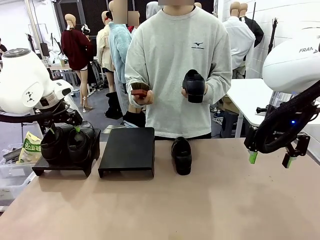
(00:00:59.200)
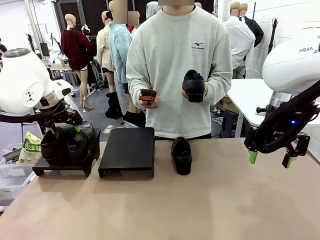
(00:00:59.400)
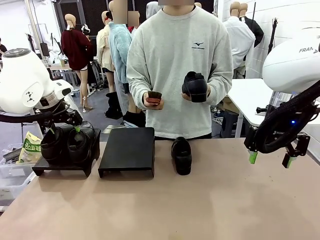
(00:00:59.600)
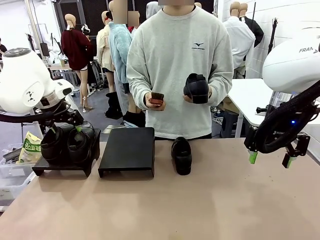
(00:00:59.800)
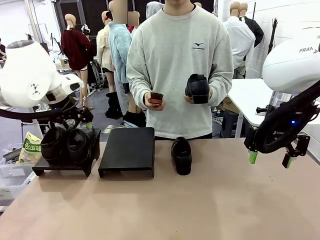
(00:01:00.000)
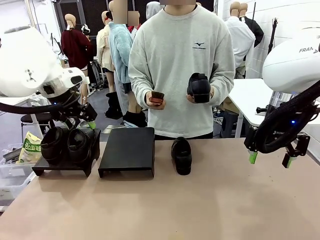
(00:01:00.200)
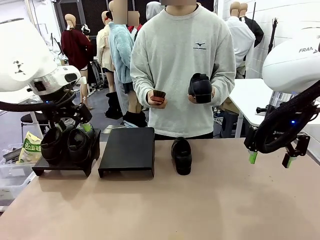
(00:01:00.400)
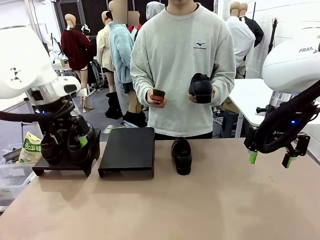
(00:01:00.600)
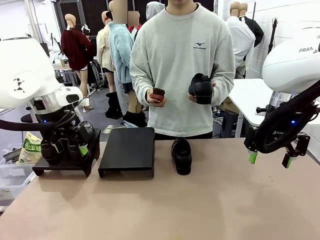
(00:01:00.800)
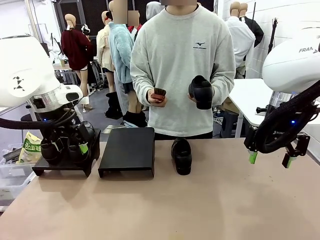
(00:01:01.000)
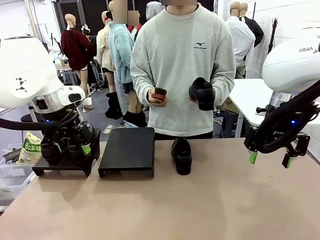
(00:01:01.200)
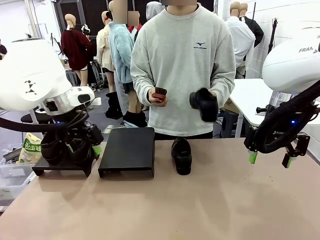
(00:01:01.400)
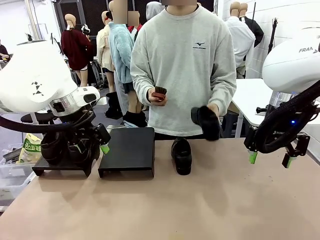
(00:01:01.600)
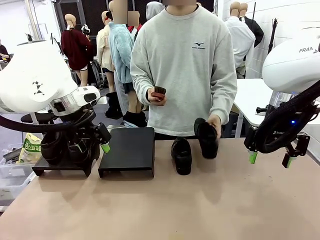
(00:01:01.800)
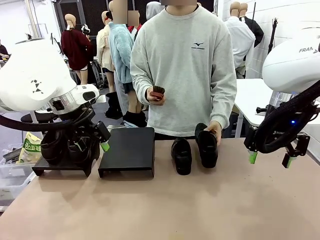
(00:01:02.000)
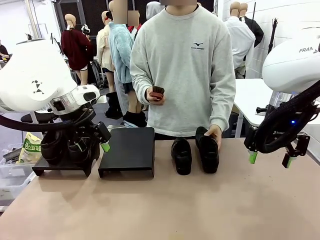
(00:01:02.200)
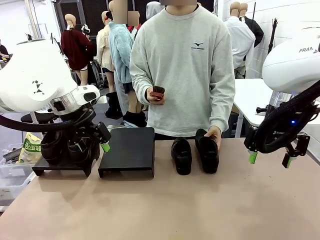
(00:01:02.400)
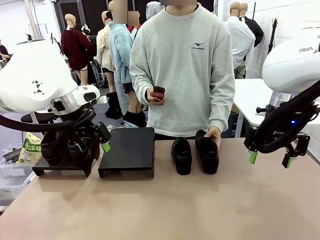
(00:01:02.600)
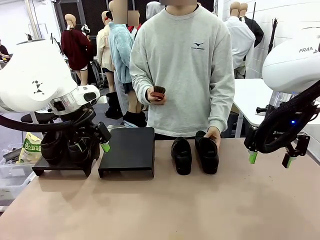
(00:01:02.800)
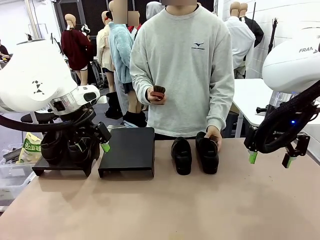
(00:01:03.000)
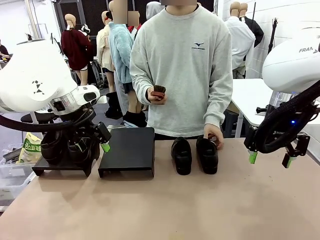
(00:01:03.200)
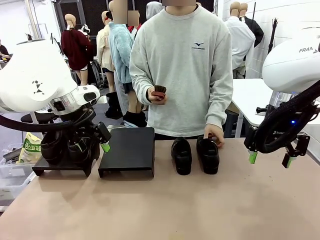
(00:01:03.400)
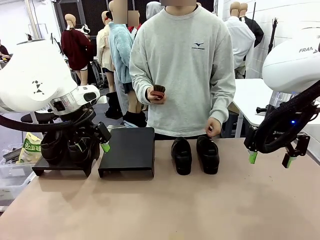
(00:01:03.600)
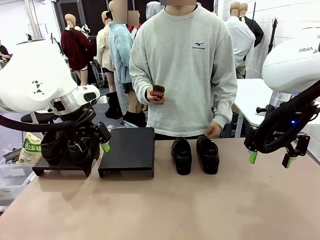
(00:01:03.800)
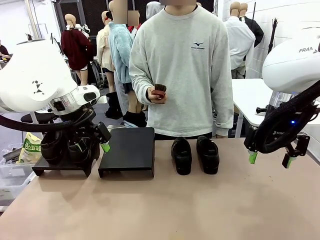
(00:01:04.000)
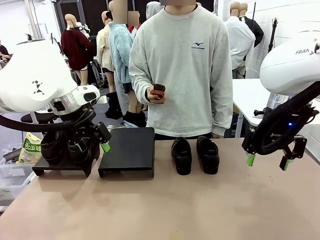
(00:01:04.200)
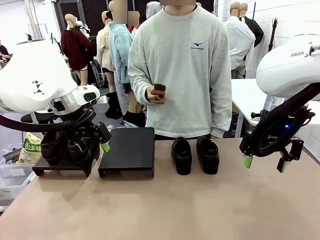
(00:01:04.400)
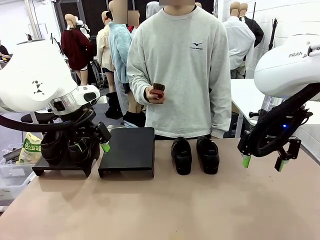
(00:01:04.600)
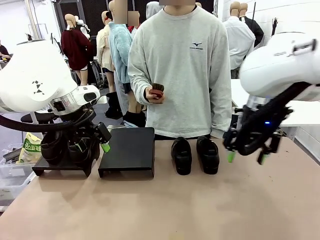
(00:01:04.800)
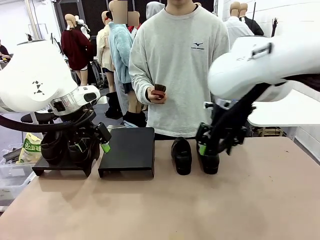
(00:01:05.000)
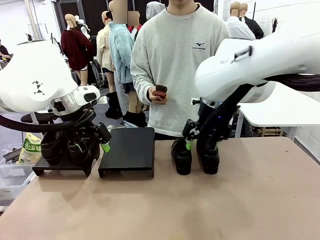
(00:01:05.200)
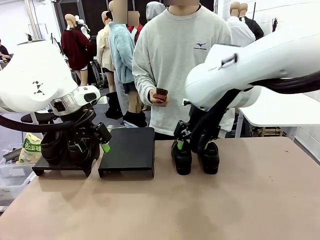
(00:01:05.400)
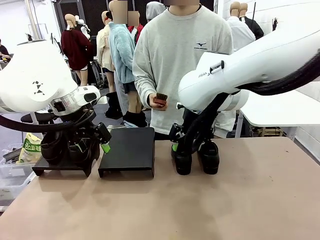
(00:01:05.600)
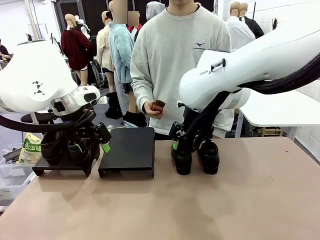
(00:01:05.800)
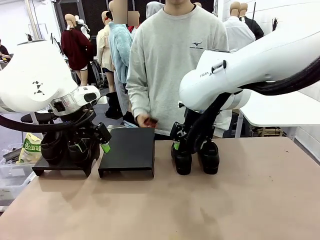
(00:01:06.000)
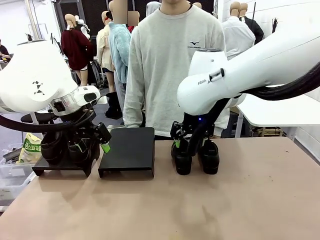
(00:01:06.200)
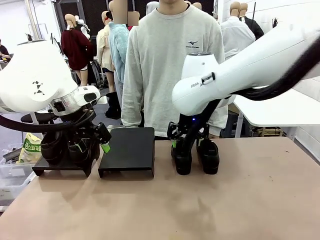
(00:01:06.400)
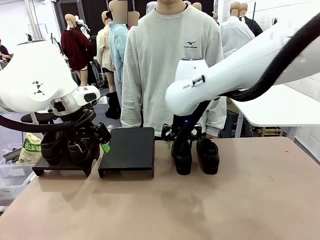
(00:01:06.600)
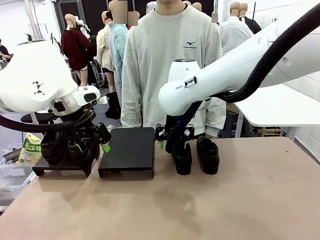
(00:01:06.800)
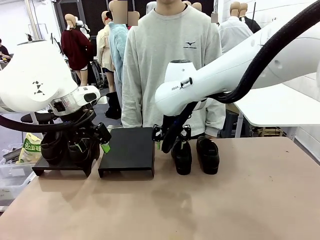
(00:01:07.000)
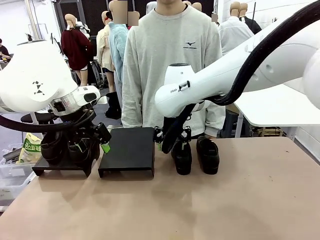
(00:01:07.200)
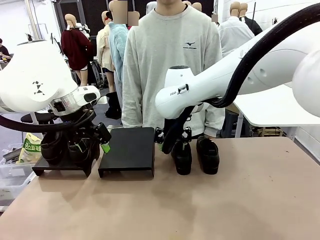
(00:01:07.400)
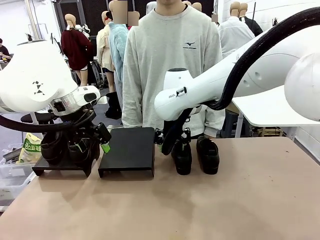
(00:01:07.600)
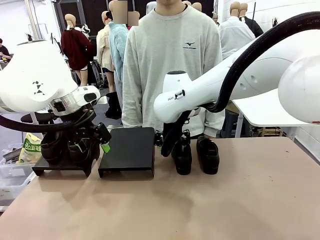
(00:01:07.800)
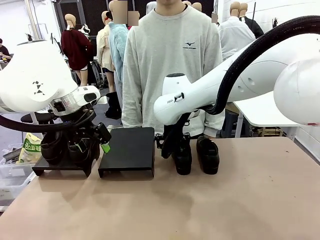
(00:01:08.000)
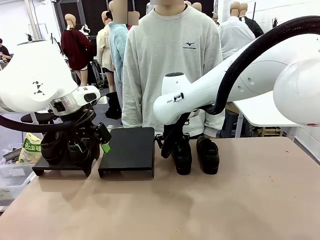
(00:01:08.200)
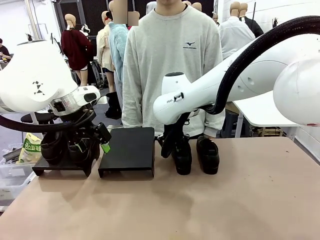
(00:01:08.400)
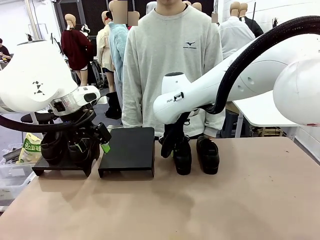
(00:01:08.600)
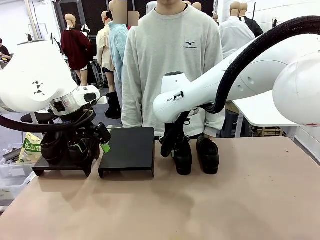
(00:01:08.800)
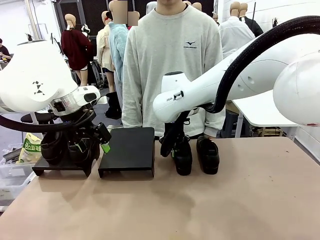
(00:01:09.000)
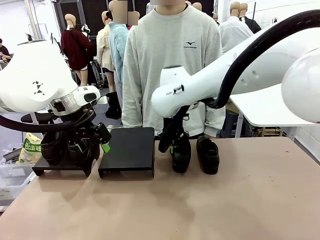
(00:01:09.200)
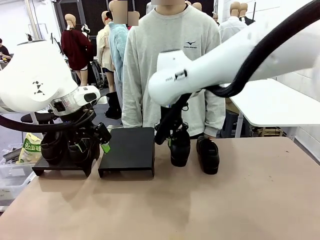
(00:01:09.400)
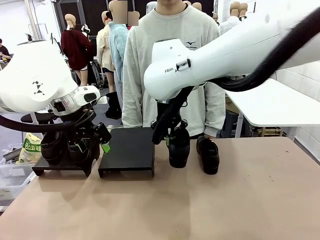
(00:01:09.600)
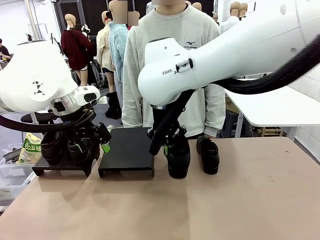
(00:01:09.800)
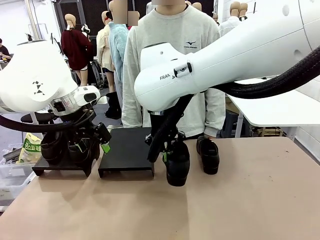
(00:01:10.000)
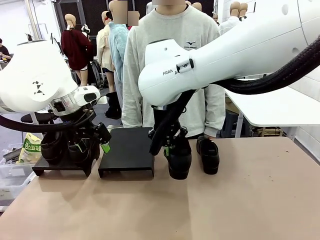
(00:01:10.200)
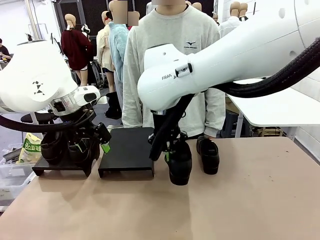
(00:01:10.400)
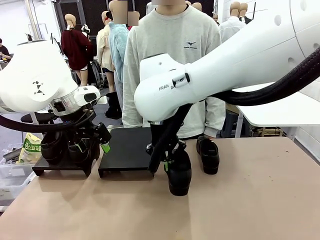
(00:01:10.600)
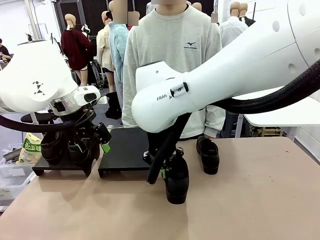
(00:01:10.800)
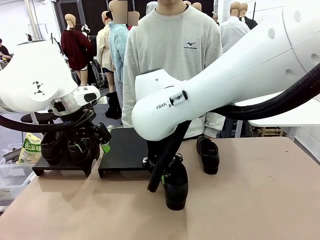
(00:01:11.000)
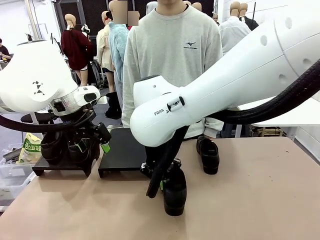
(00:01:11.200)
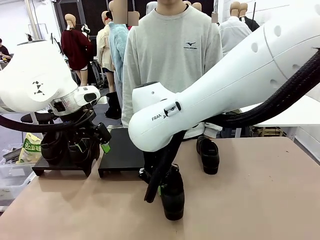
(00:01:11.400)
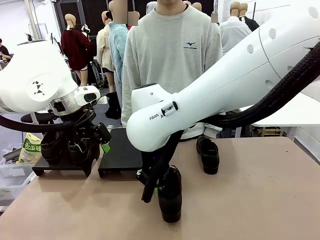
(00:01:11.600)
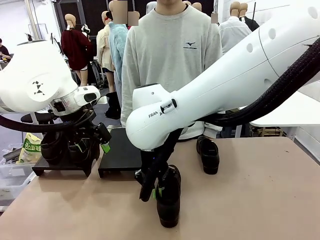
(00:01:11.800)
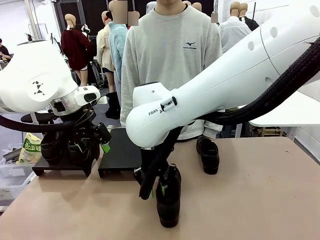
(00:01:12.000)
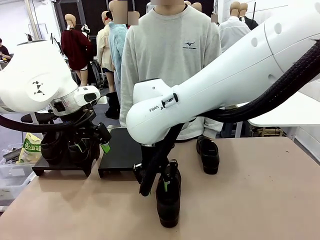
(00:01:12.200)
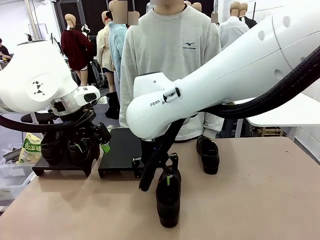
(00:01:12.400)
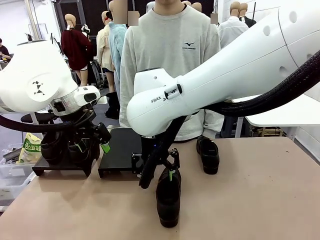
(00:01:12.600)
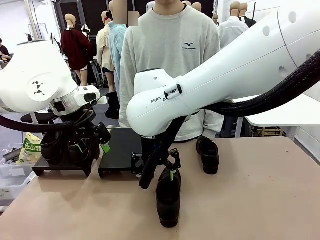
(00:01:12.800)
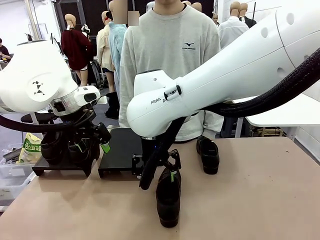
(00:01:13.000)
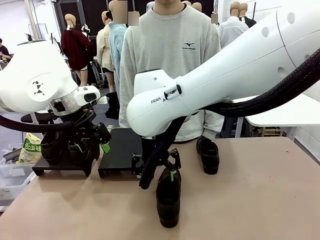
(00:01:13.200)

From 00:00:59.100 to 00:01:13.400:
Task: Organize the shoes by placing them on the stand.
Robot: Pick up one Shoe and place it in the middle of the table.

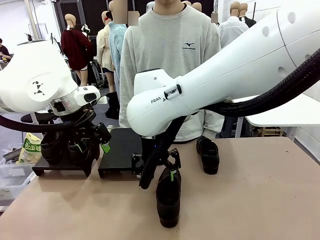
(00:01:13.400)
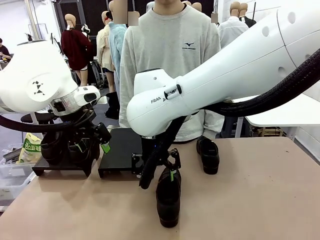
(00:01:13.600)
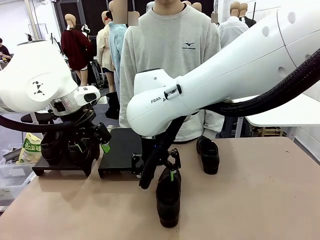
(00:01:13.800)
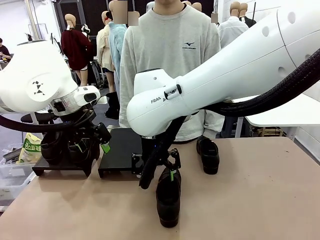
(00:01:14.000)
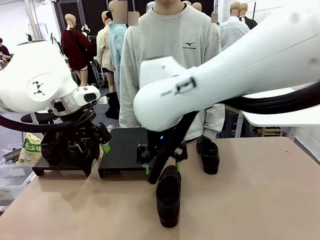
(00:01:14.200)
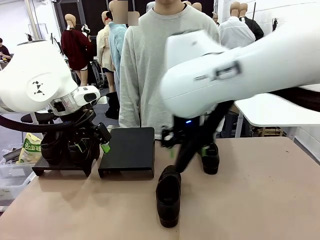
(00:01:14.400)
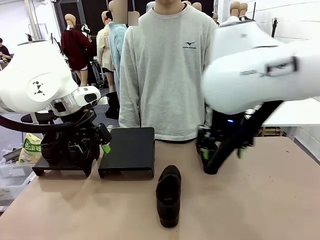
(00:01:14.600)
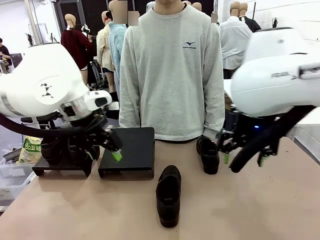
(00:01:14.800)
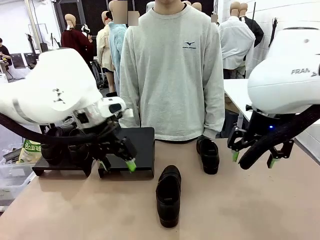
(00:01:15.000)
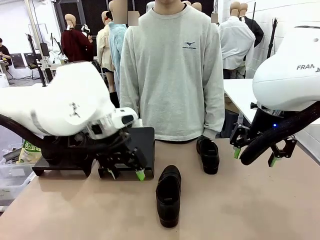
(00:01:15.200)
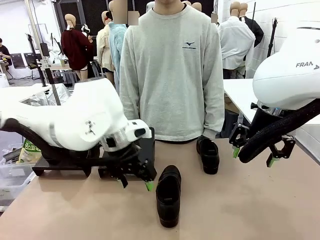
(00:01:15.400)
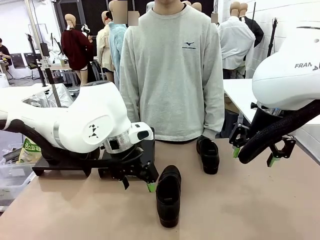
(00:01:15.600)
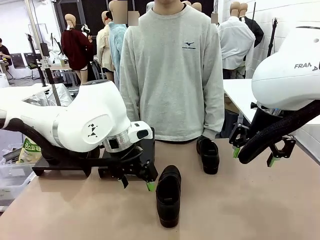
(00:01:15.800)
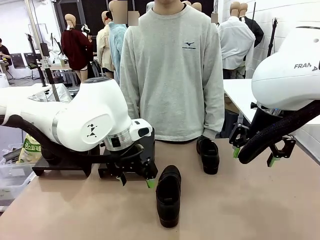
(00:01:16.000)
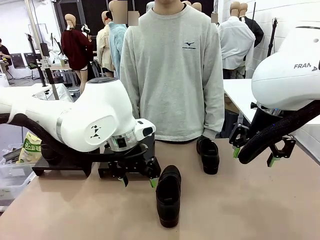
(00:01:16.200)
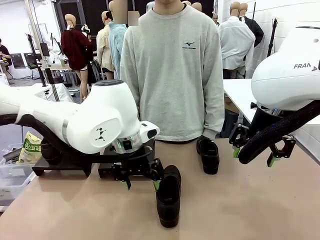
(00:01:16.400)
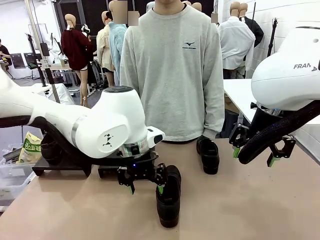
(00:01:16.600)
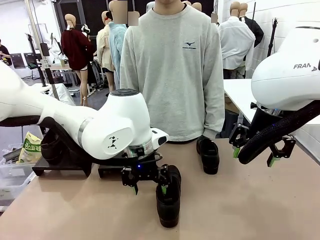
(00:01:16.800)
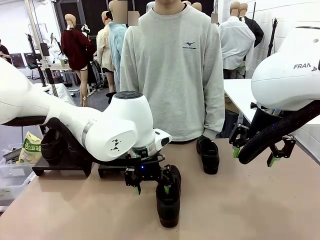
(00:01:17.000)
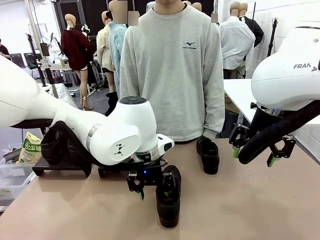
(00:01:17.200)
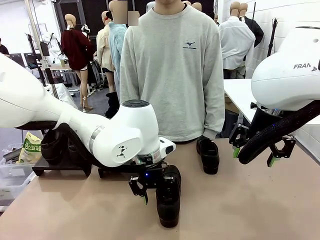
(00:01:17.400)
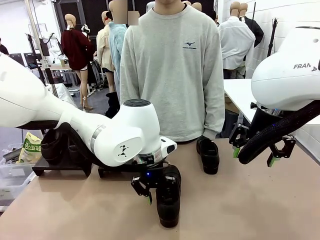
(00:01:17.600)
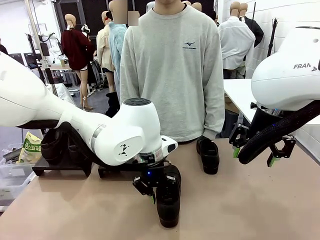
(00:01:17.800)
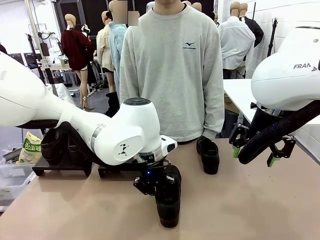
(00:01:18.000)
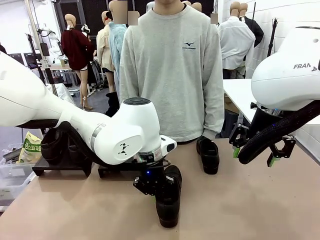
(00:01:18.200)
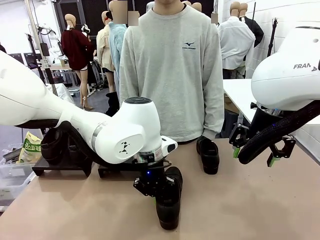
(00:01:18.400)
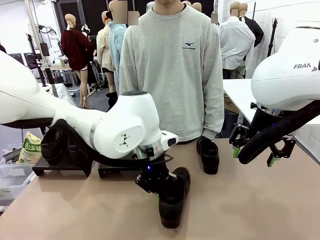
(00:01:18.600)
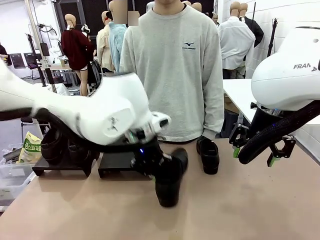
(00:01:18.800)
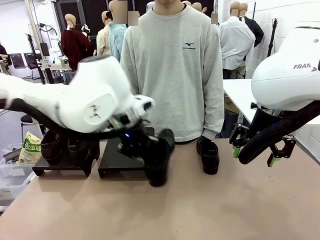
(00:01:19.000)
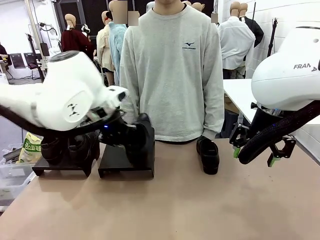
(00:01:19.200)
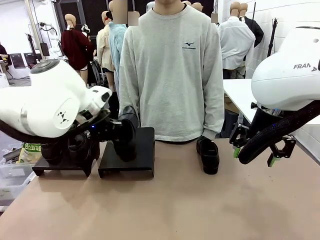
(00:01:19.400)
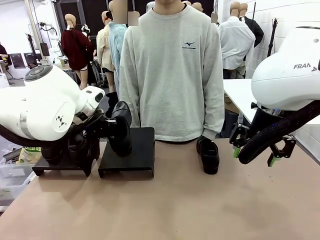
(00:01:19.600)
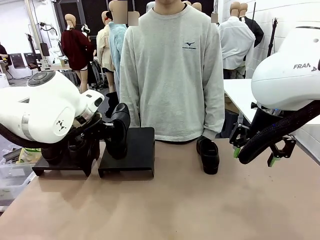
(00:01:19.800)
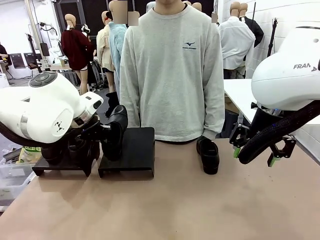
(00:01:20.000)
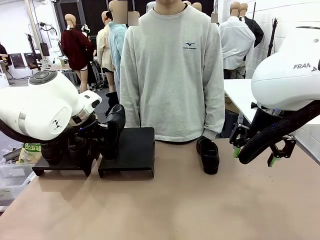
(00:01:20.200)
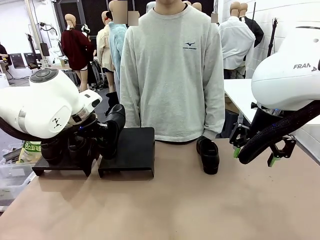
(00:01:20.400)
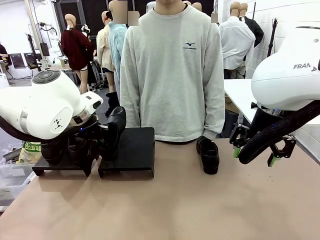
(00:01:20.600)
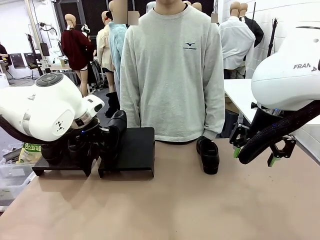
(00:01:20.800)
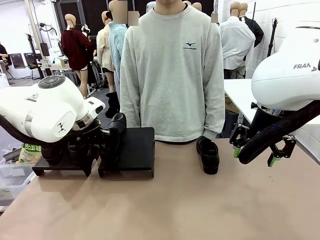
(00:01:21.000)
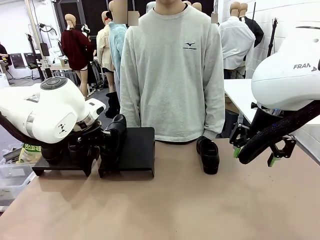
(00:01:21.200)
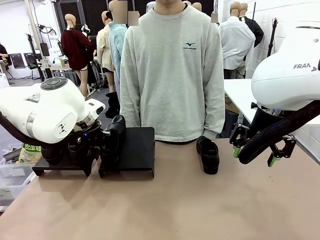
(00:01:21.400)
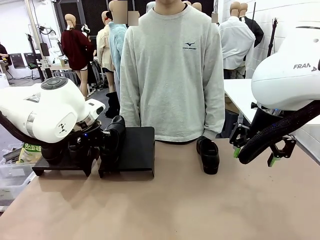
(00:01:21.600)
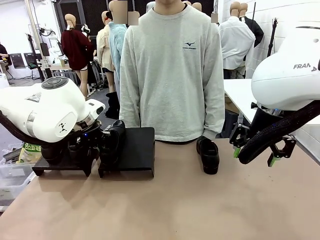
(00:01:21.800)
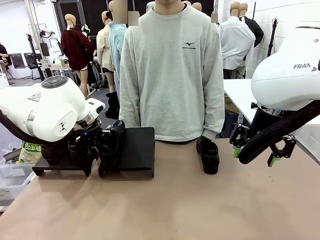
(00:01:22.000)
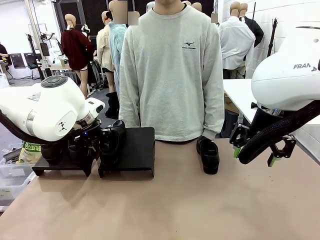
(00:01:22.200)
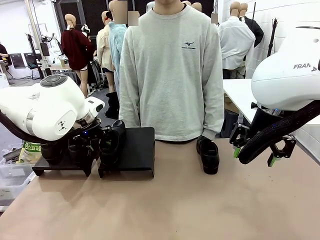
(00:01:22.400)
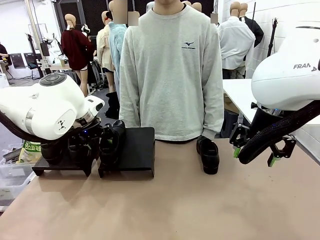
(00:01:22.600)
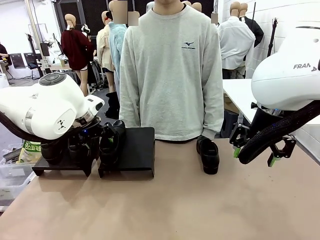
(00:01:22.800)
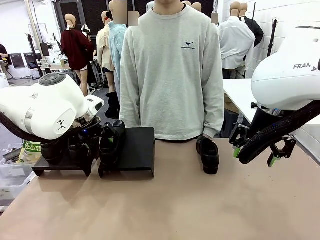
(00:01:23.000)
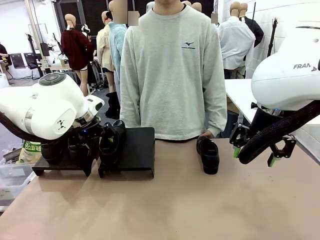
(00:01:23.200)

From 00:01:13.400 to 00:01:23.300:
Robot: Place the Shoe from the middle of the table onto the Shoes Stand.
